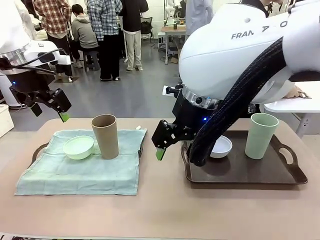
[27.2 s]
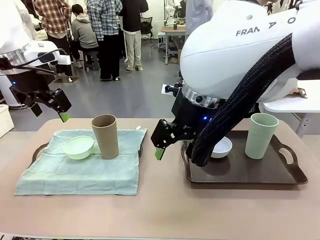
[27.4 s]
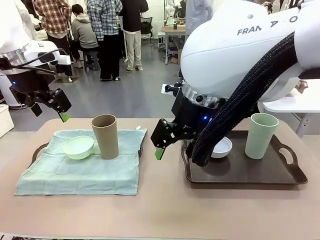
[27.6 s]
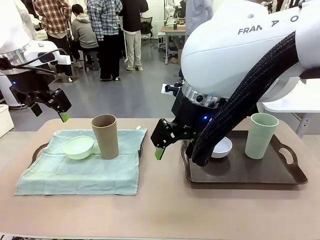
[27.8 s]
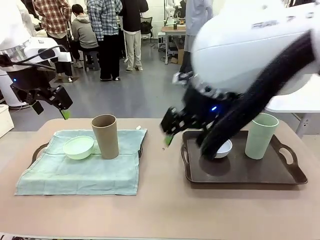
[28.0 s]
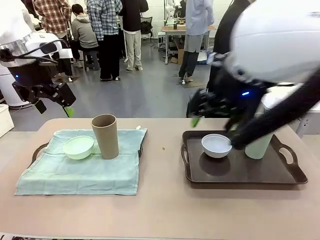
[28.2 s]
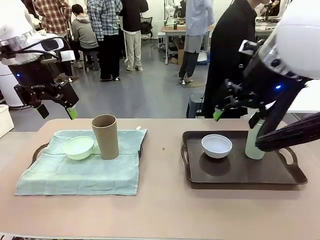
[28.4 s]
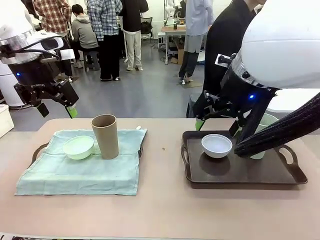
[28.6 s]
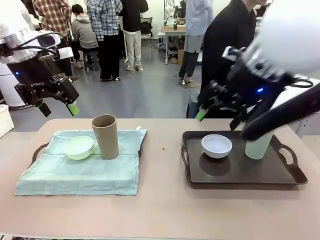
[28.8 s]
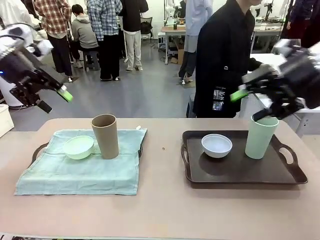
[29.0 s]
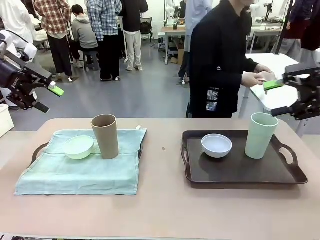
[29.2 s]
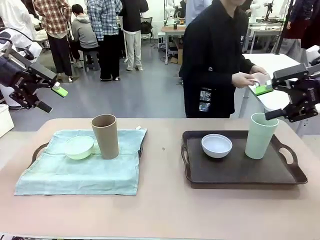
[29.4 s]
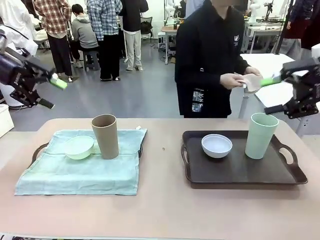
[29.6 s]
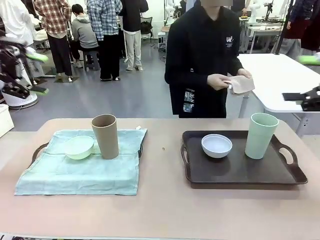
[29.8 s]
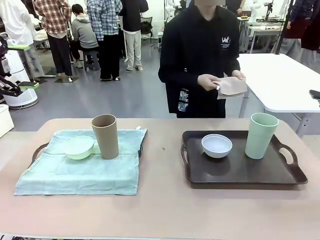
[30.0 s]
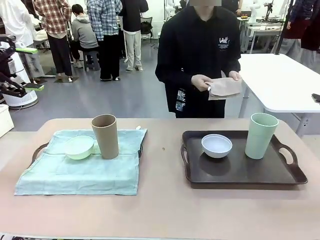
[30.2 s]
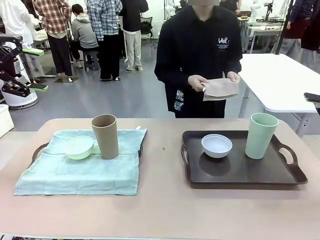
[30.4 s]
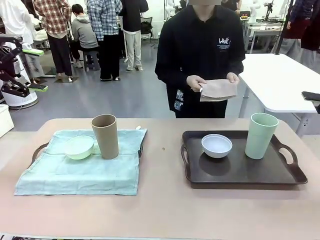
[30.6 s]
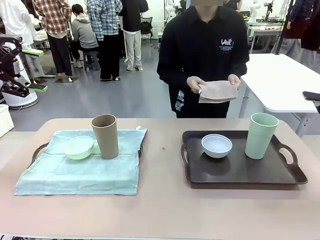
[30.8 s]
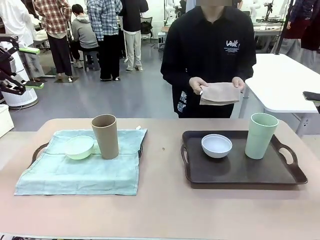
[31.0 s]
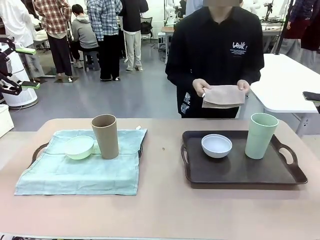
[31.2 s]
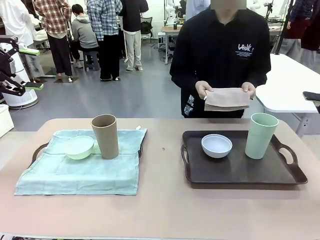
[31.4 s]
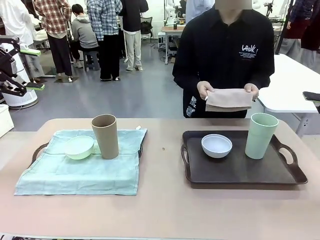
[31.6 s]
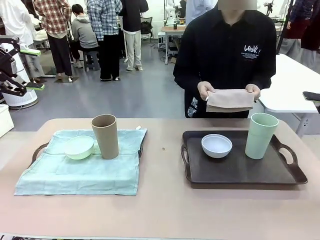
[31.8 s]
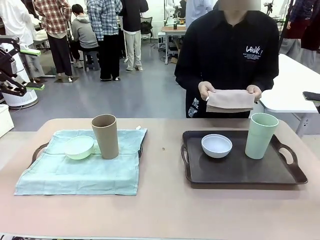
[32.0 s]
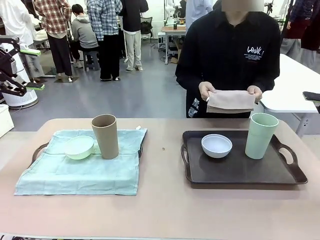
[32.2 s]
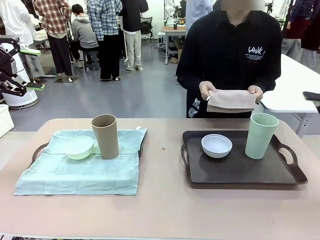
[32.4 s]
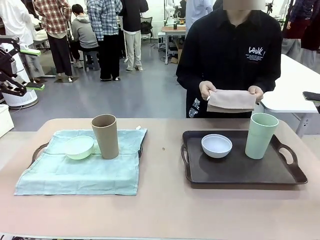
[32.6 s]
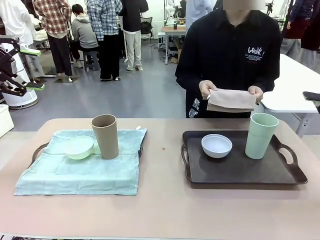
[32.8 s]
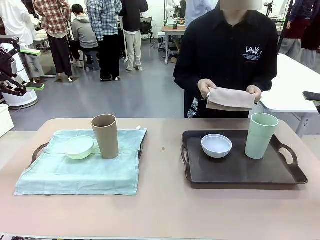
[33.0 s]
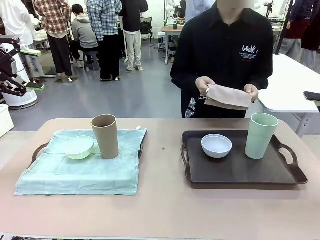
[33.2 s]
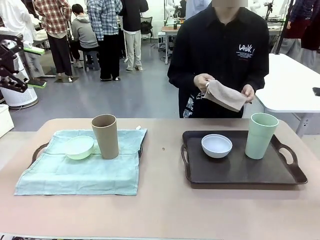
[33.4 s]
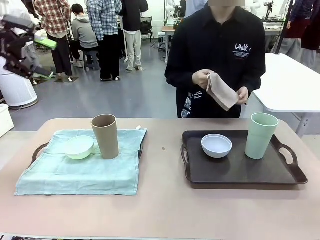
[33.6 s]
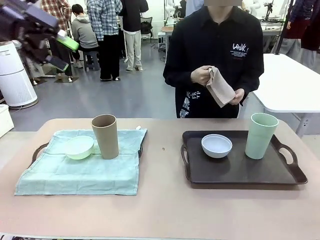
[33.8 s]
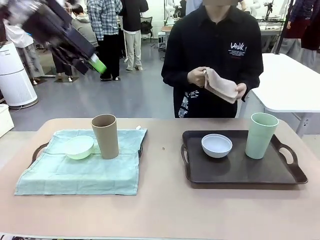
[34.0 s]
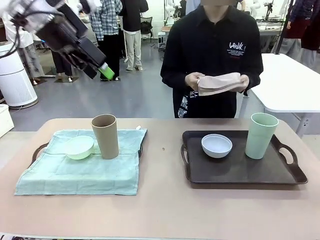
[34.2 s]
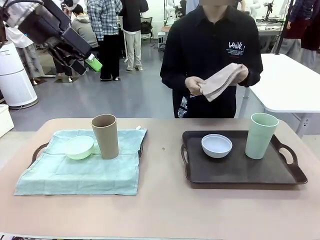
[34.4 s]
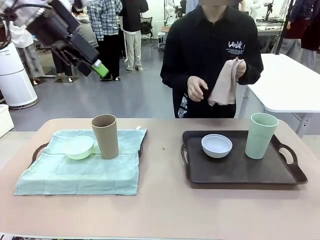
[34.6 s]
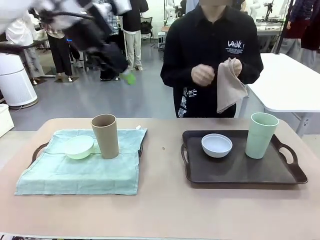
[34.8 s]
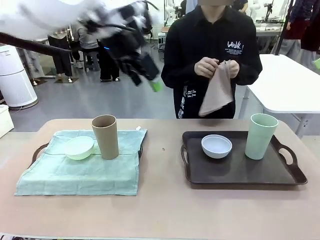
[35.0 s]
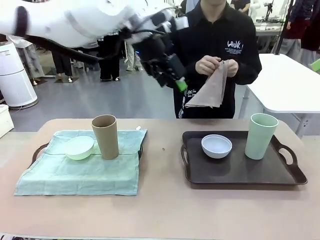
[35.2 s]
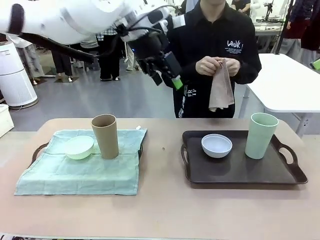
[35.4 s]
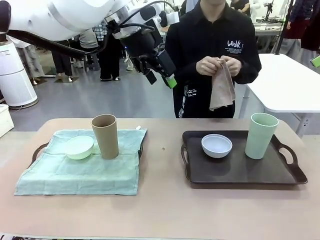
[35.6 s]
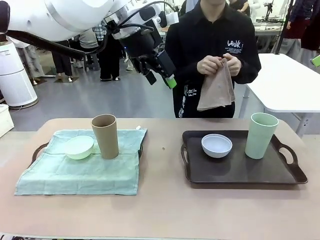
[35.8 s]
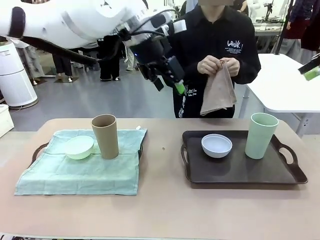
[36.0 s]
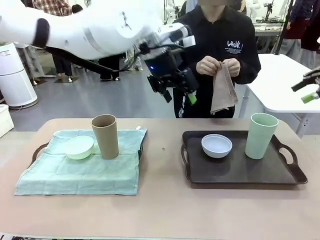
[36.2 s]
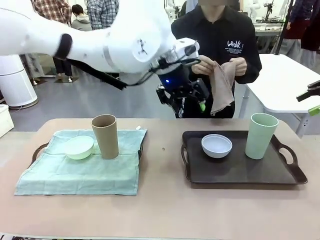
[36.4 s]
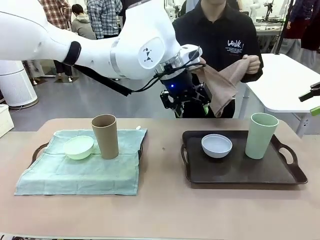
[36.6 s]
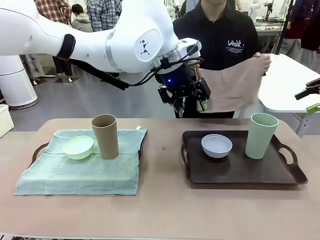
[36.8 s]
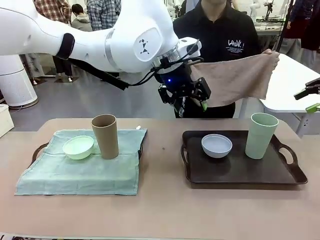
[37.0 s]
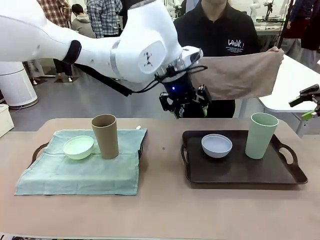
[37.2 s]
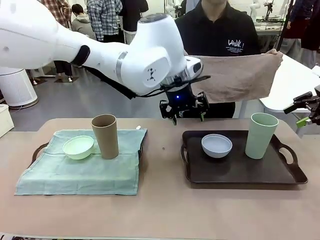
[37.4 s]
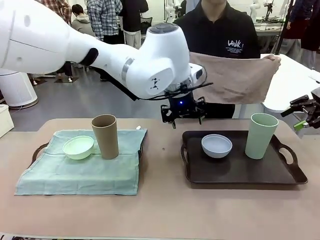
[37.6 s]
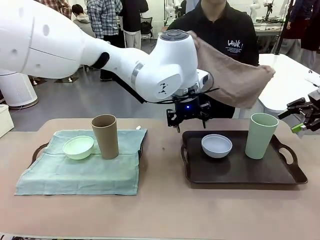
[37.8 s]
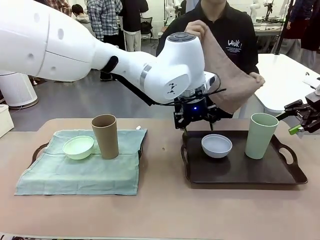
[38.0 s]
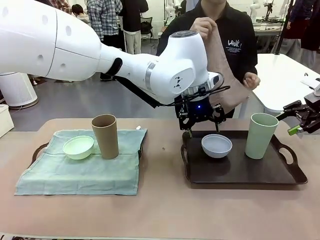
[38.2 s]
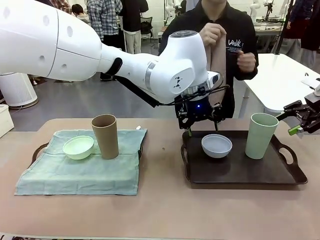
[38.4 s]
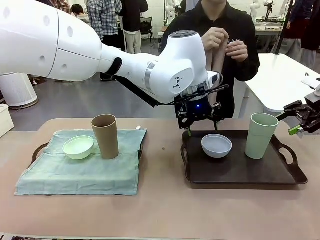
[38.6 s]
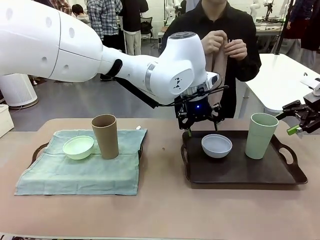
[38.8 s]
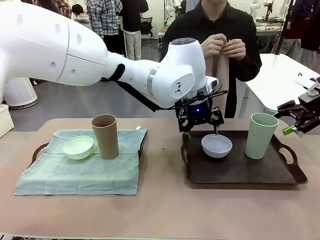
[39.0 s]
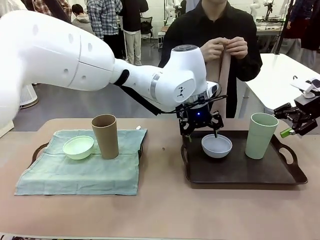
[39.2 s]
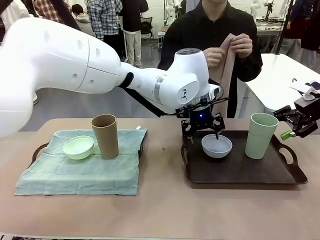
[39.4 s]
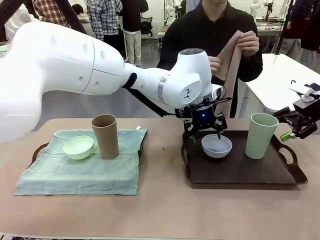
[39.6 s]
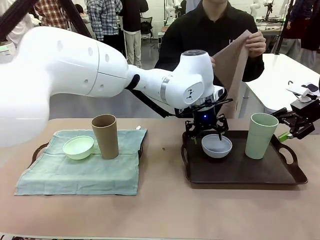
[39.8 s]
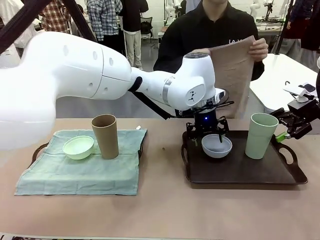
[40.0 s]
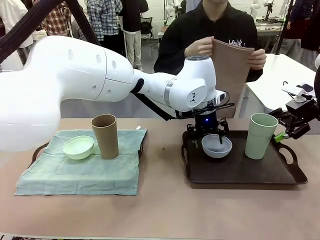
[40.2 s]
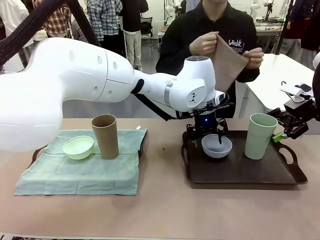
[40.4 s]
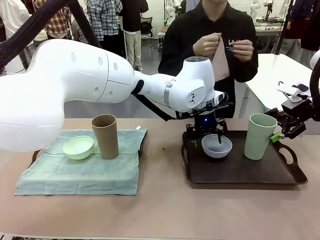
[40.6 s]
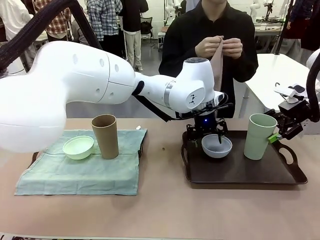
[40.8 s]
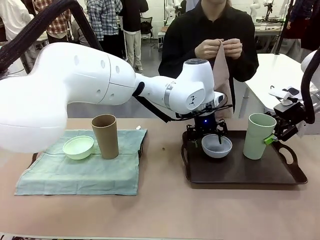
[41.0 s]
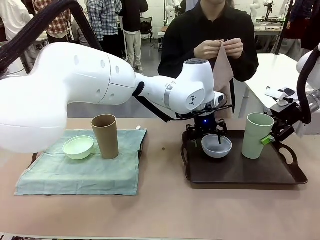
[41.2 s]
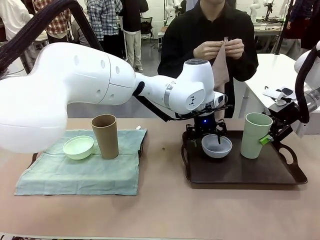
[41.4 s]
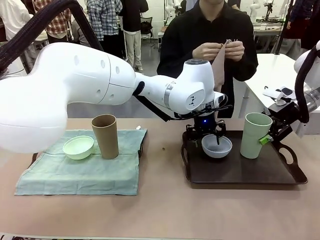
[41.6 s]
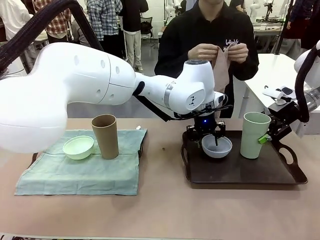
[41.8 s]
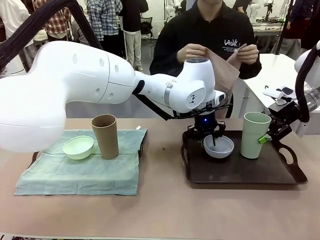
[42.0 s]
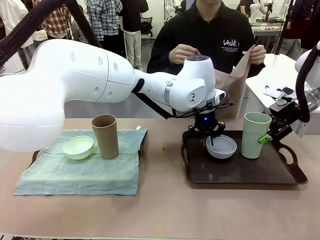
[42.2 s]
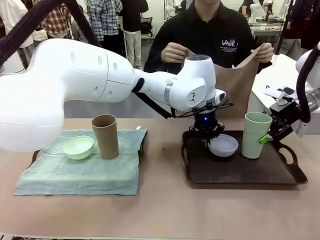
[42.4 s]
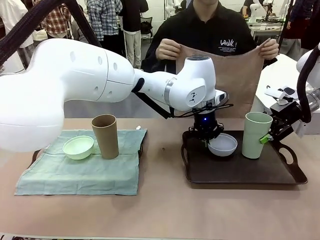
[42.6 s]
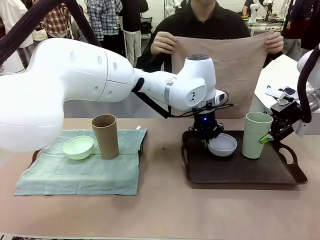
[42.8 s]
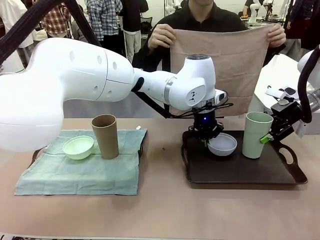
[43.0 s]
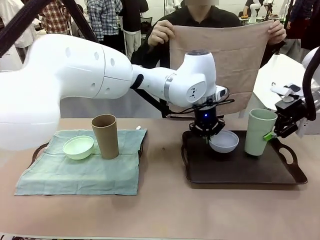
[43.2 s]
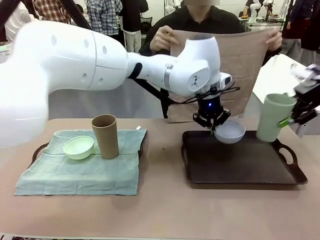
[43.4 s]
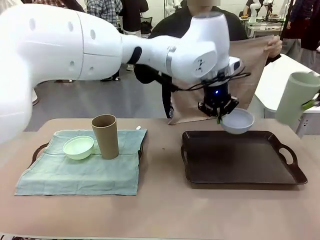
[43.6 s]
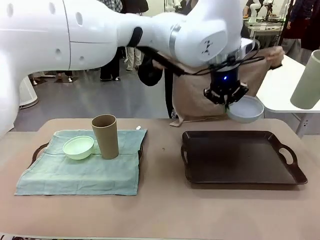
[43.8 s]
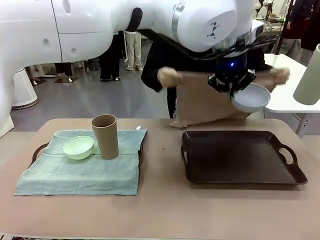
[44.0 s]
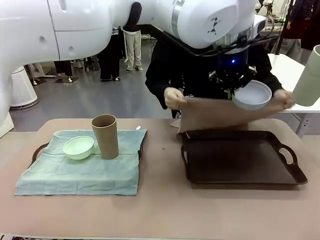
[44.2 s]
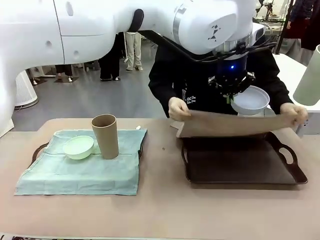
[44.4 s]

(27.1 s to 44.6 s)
Robot: Pick up the Picnic Bowl and Reusable plastic cup from the Handle tray in front of the human's position and hold them in the air.

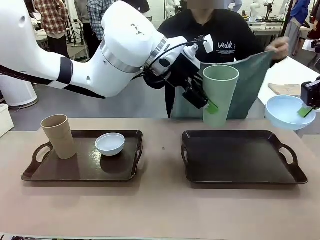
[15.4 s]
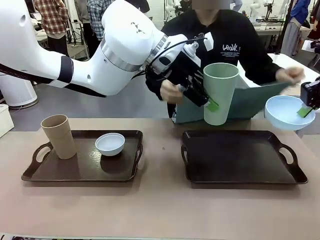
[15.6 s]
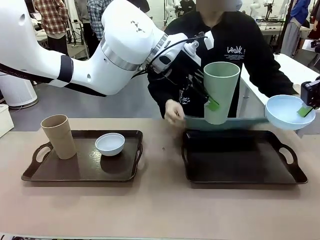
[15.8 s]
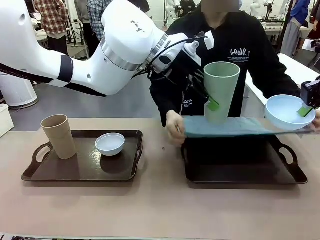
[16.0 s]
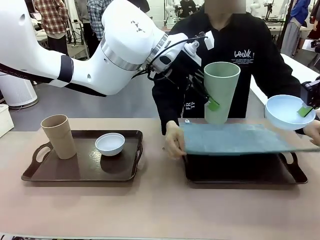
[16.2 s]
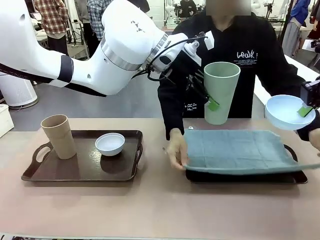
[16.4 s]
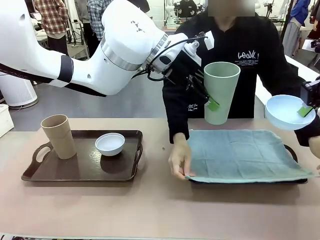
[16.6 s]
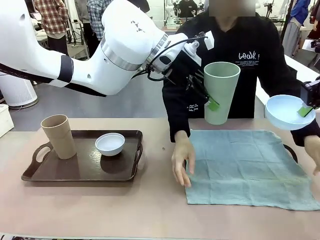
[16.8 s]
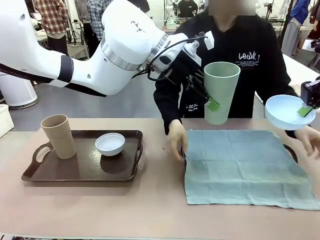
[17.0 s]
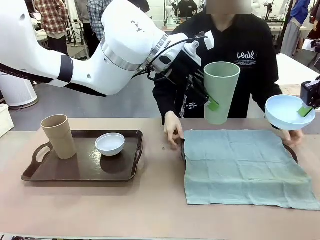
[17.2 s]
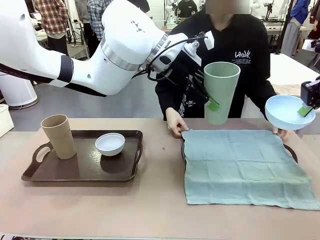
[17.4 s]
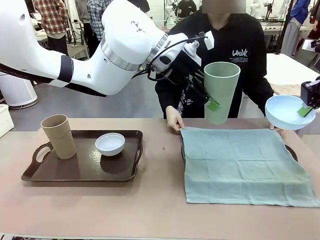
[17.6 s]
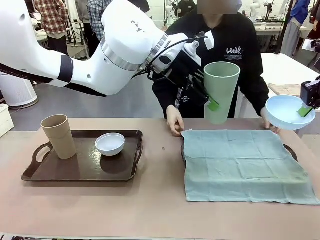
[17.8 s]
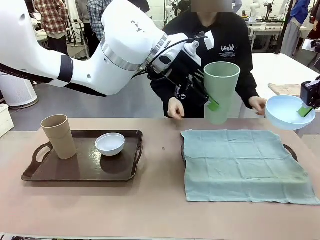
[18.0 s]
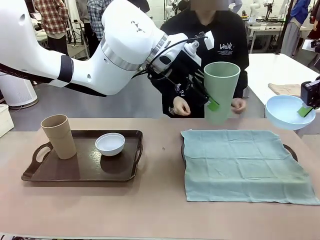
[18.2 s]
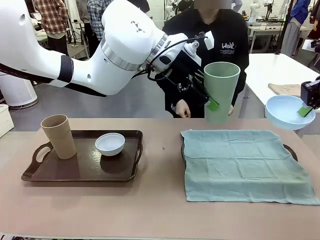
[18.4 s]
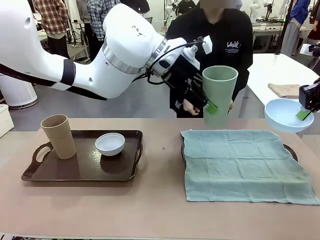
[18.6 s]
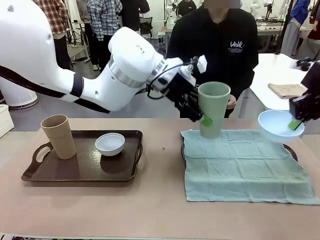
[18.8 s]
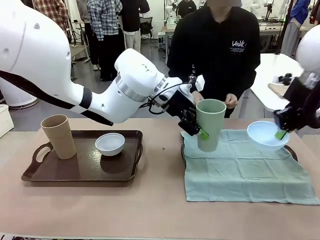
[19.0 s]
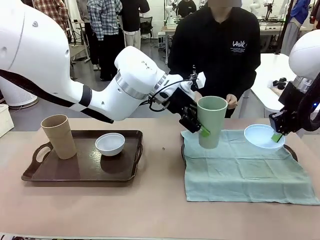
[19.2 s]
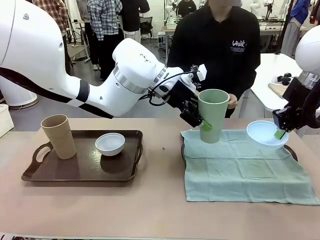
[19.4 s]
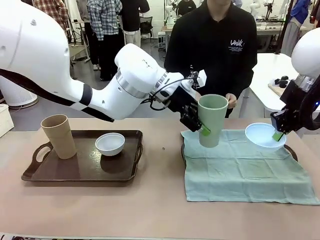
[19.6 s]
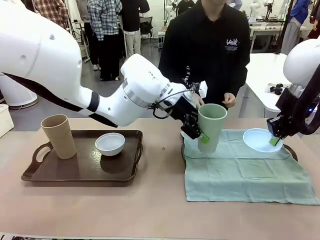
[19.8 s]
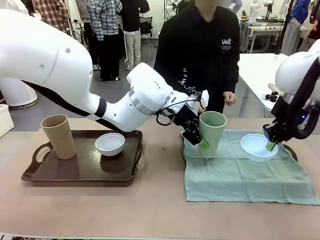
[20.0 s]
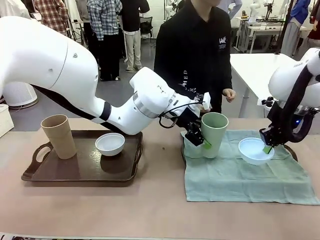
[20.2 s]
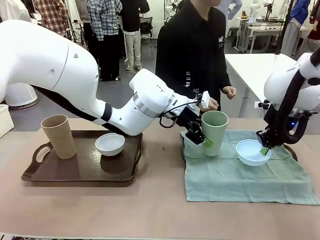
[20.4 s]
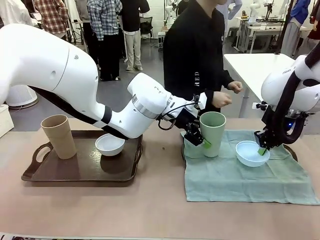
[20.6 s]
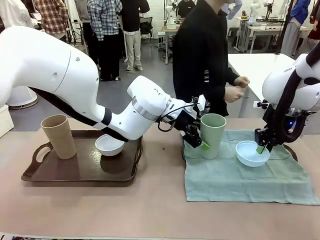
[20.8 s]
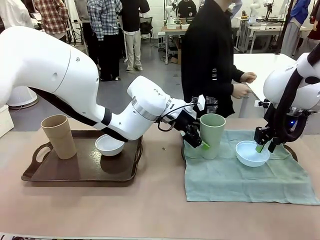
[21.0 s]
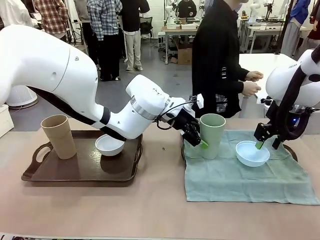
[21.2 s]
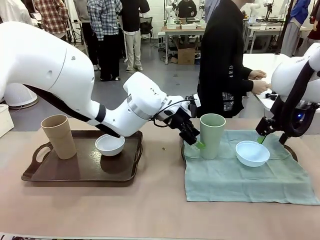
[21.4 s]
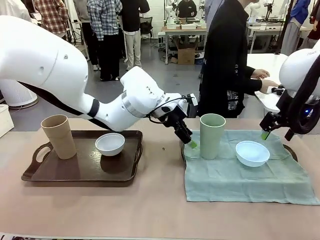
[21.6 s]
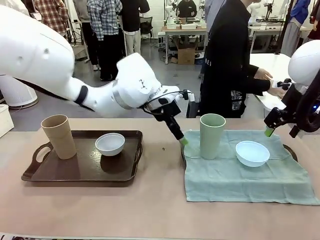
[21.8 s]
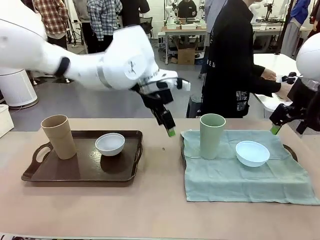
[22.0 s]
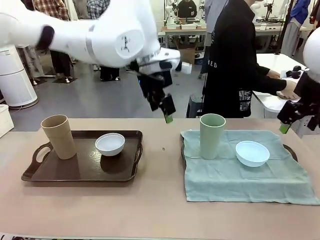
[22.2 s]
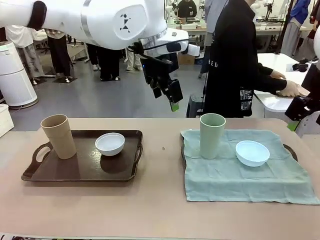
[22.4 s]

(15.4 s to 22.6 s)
Robot: Place the Picnic Bowl and Reusable plastic cup back onto the Handle tray in front of the human's position.
